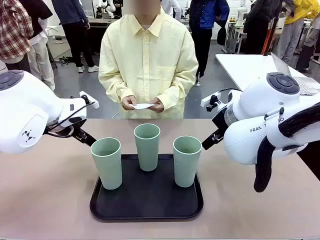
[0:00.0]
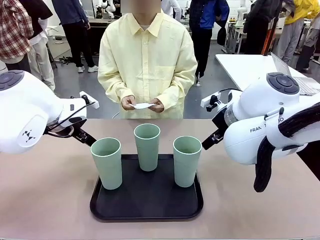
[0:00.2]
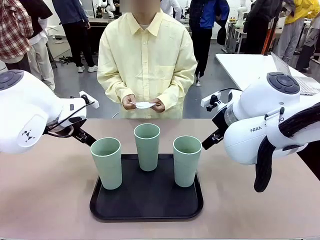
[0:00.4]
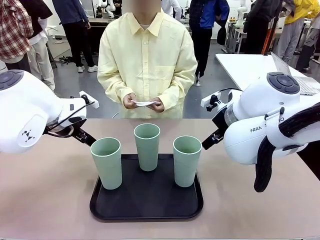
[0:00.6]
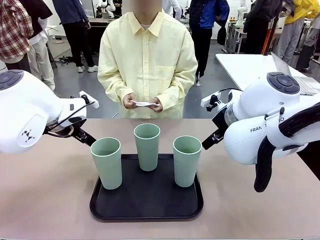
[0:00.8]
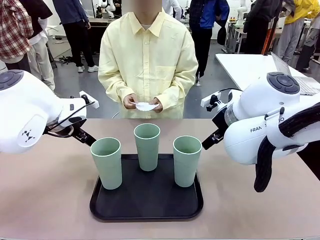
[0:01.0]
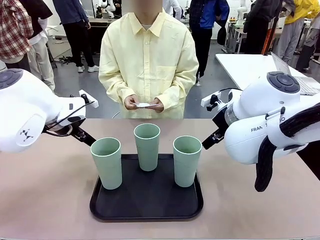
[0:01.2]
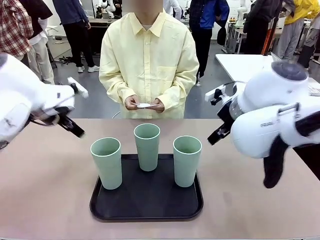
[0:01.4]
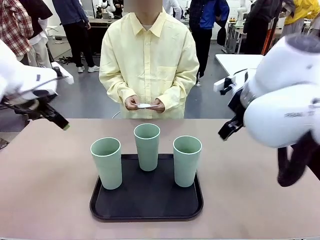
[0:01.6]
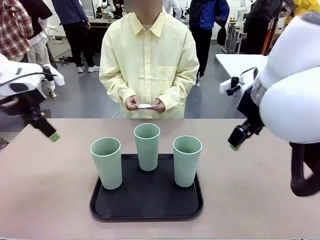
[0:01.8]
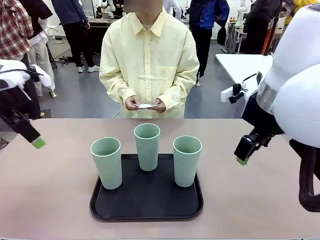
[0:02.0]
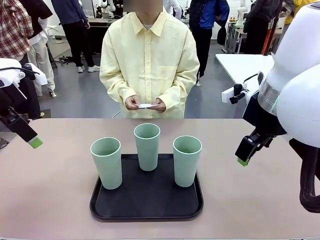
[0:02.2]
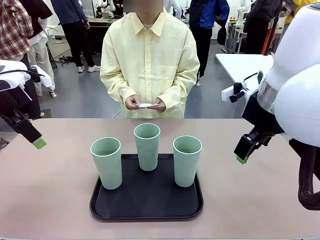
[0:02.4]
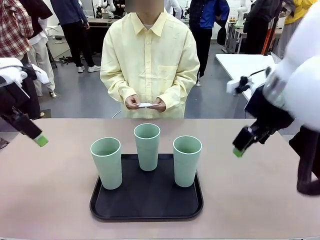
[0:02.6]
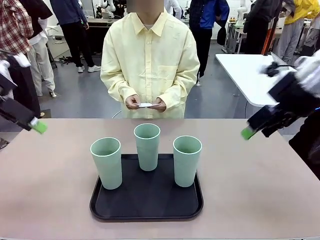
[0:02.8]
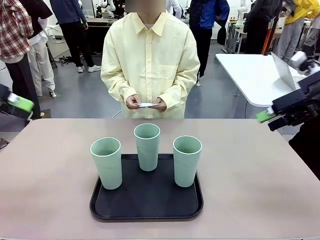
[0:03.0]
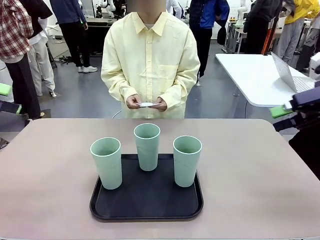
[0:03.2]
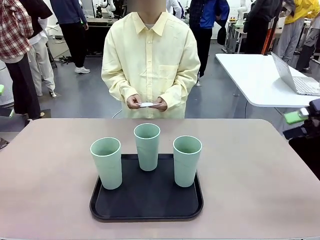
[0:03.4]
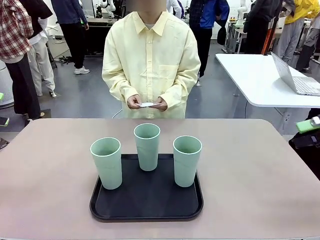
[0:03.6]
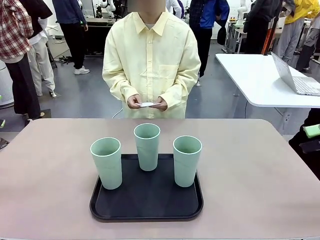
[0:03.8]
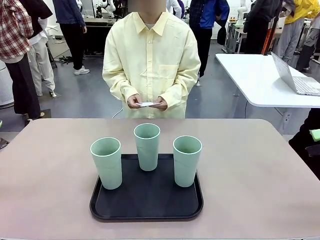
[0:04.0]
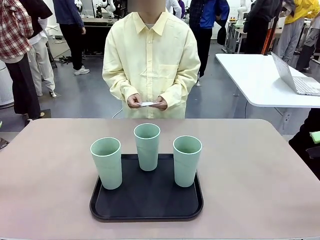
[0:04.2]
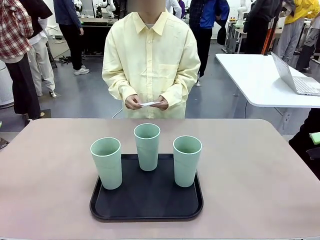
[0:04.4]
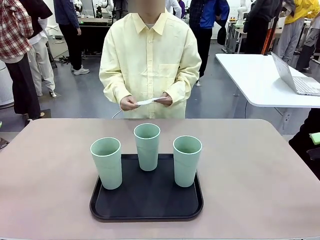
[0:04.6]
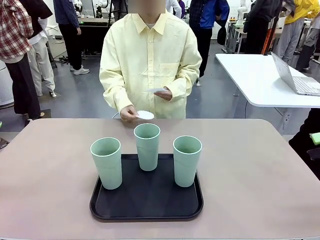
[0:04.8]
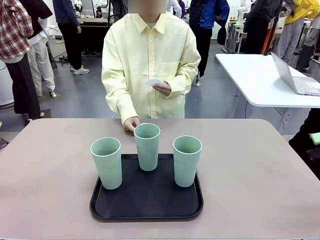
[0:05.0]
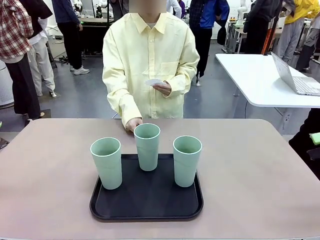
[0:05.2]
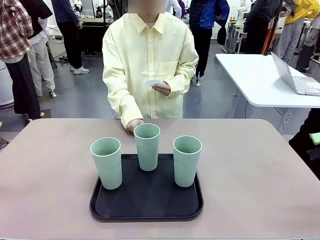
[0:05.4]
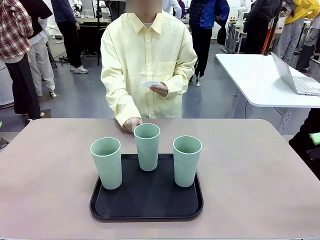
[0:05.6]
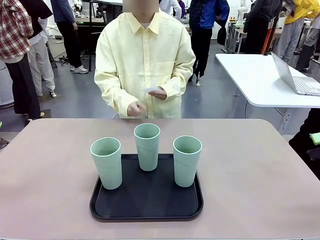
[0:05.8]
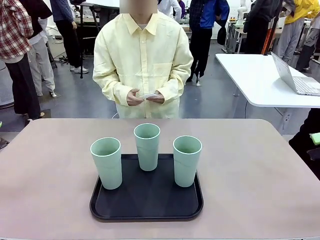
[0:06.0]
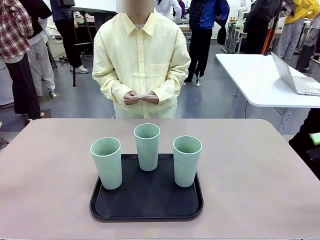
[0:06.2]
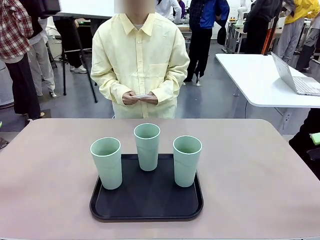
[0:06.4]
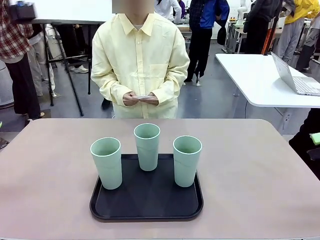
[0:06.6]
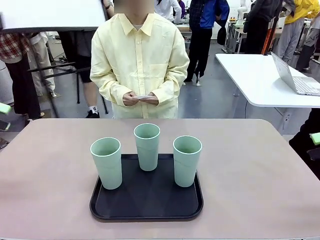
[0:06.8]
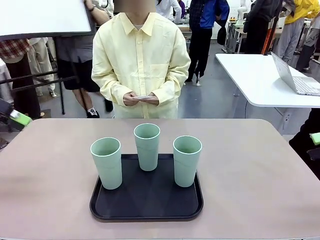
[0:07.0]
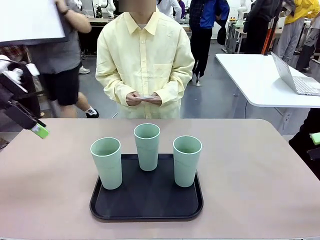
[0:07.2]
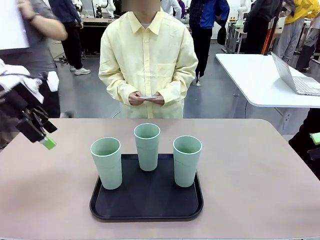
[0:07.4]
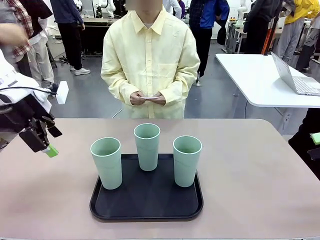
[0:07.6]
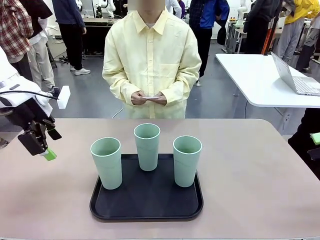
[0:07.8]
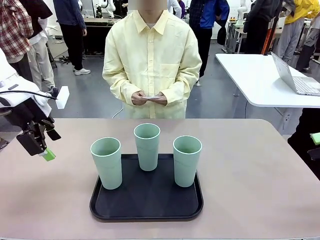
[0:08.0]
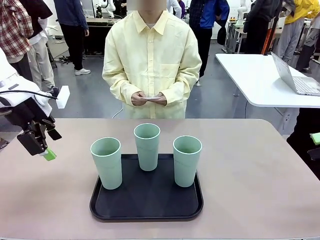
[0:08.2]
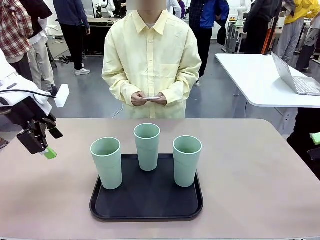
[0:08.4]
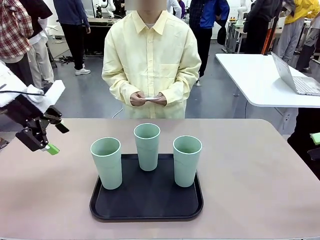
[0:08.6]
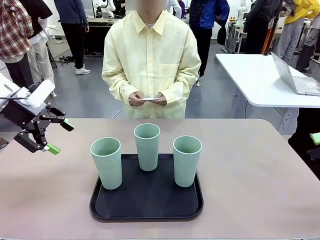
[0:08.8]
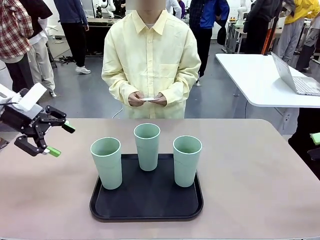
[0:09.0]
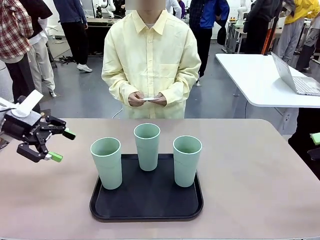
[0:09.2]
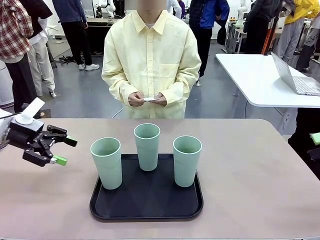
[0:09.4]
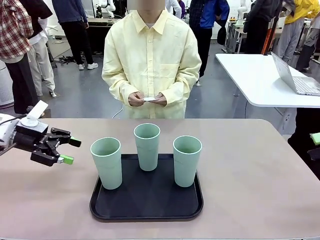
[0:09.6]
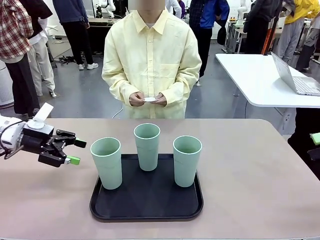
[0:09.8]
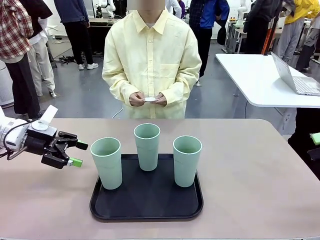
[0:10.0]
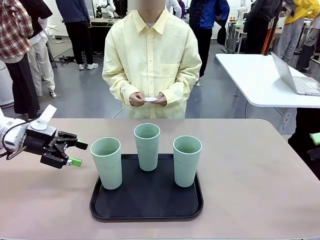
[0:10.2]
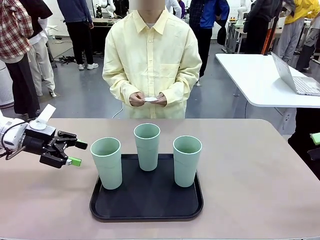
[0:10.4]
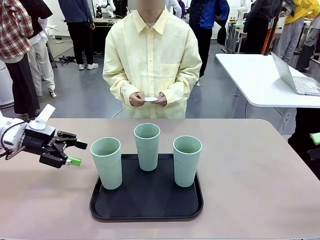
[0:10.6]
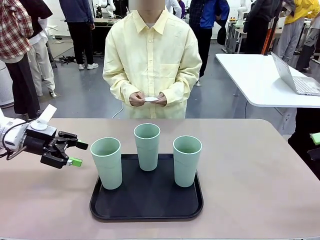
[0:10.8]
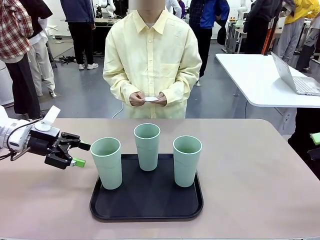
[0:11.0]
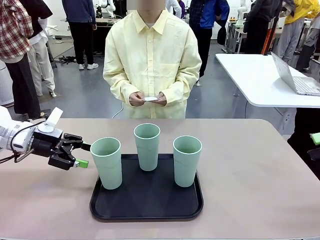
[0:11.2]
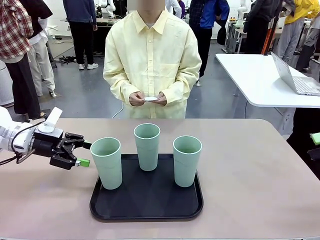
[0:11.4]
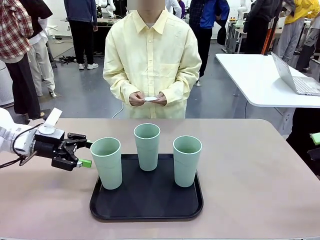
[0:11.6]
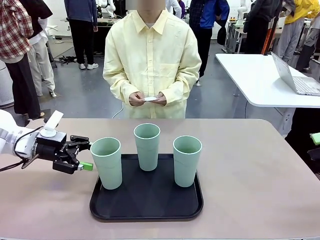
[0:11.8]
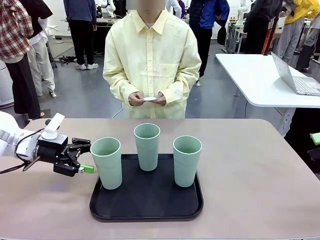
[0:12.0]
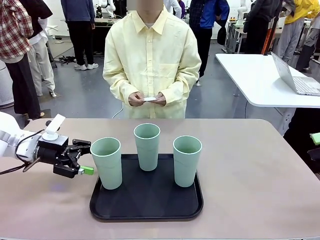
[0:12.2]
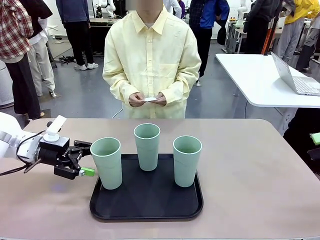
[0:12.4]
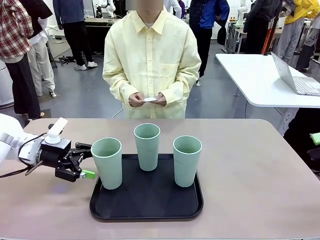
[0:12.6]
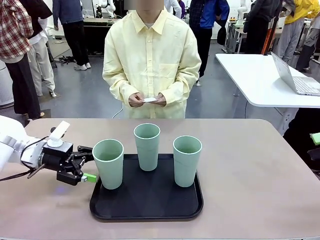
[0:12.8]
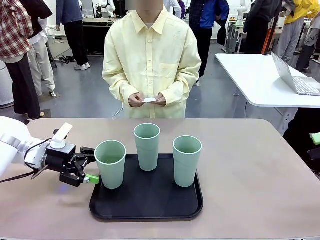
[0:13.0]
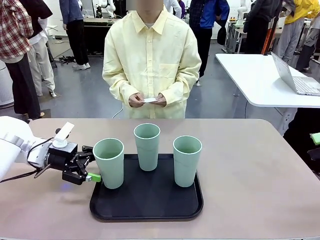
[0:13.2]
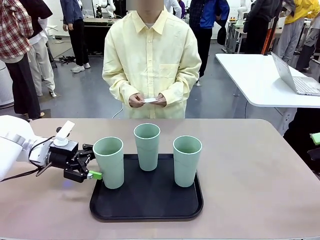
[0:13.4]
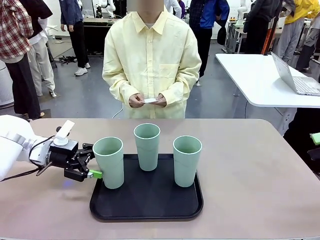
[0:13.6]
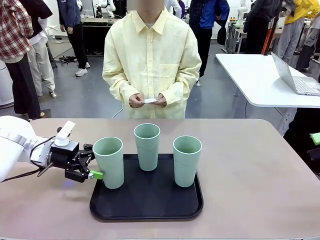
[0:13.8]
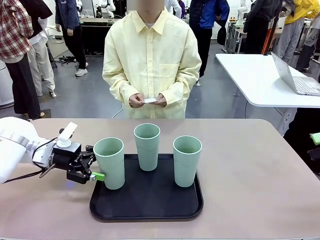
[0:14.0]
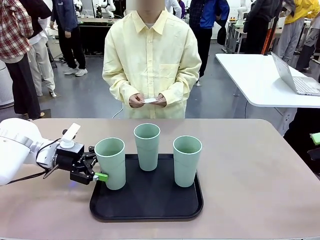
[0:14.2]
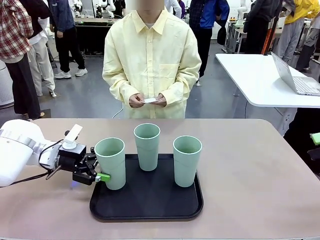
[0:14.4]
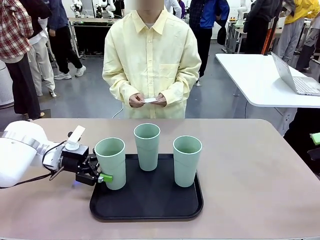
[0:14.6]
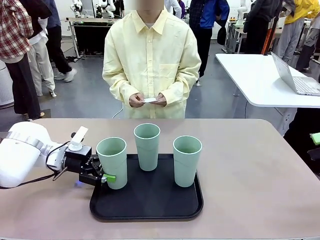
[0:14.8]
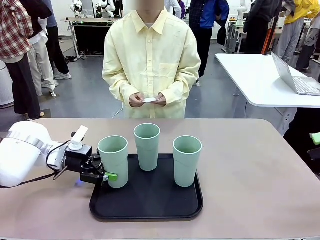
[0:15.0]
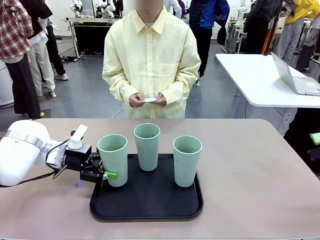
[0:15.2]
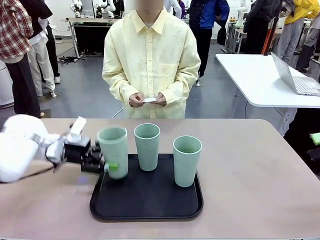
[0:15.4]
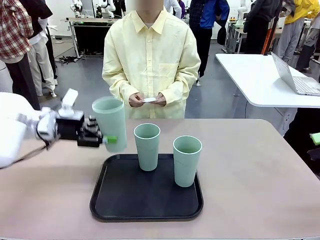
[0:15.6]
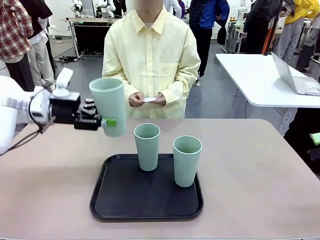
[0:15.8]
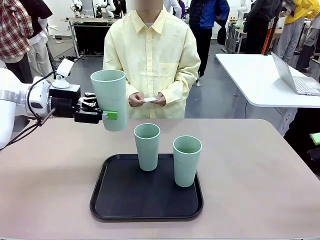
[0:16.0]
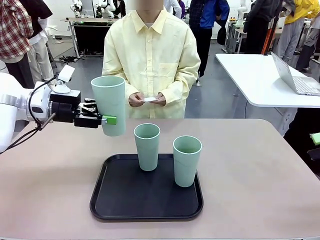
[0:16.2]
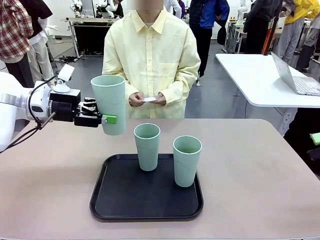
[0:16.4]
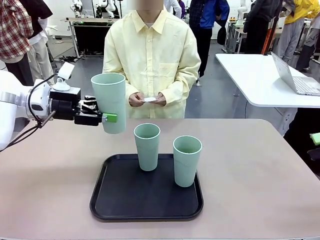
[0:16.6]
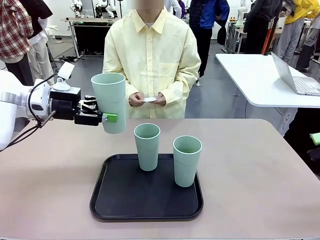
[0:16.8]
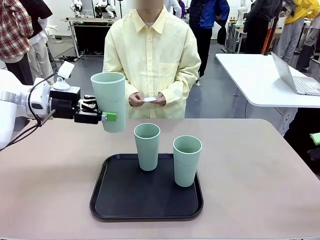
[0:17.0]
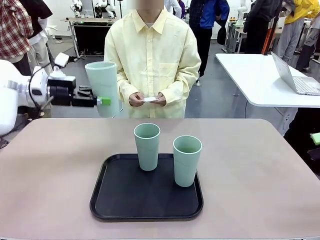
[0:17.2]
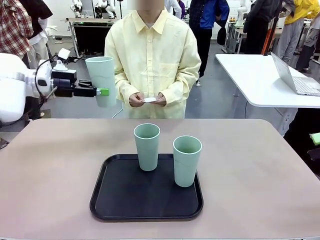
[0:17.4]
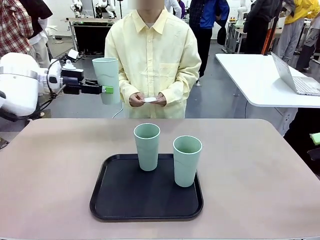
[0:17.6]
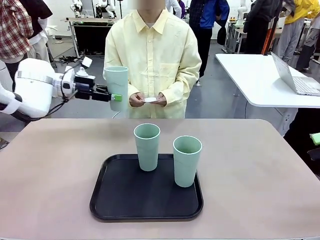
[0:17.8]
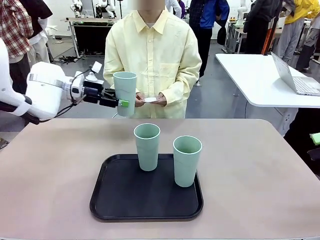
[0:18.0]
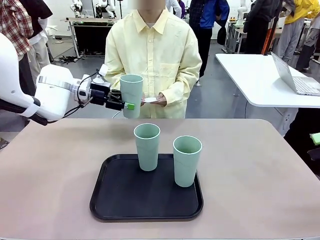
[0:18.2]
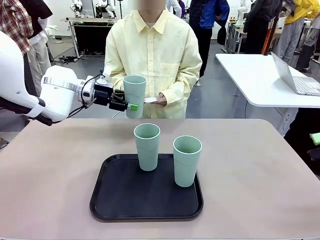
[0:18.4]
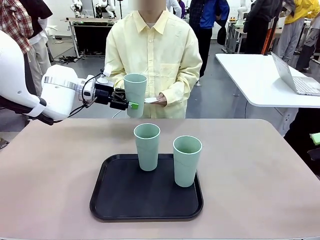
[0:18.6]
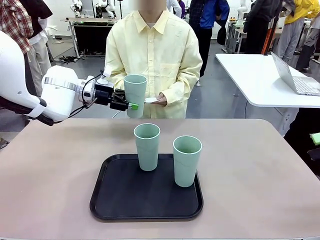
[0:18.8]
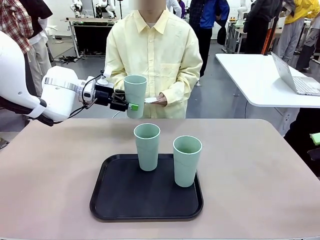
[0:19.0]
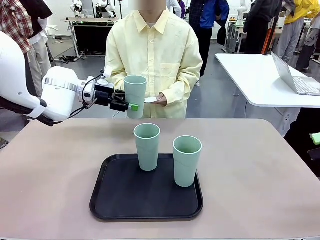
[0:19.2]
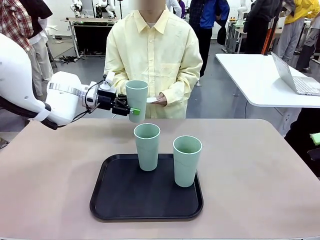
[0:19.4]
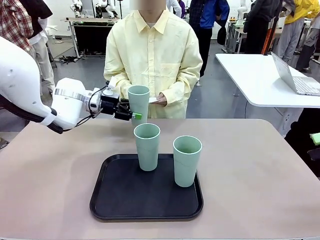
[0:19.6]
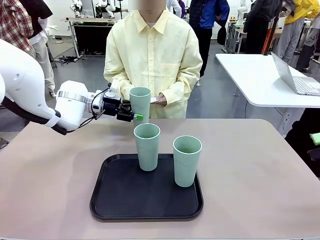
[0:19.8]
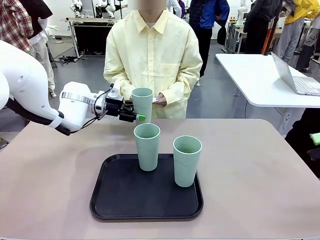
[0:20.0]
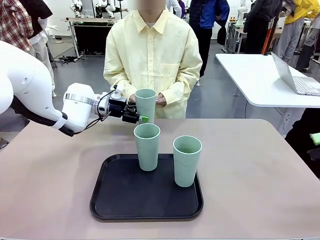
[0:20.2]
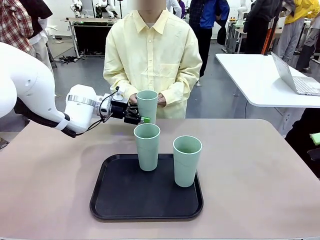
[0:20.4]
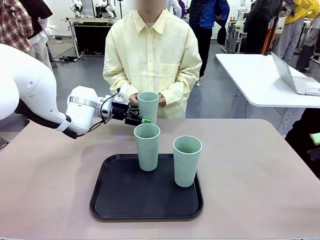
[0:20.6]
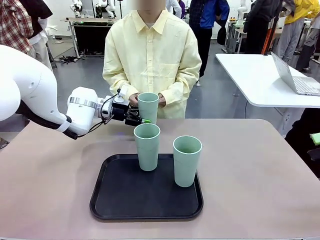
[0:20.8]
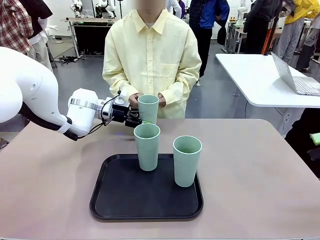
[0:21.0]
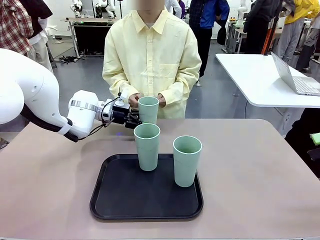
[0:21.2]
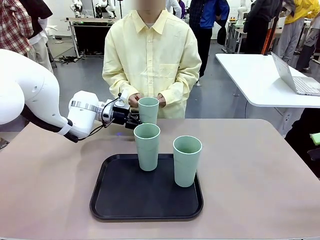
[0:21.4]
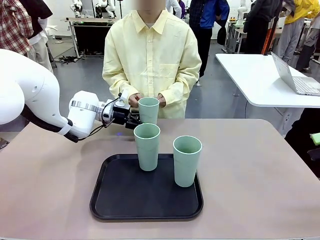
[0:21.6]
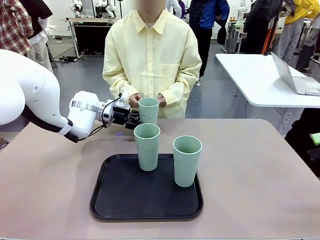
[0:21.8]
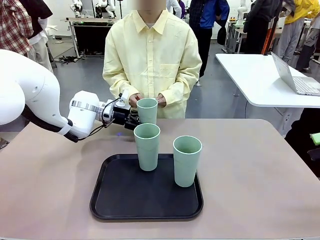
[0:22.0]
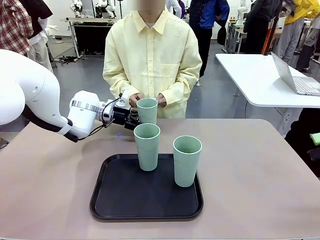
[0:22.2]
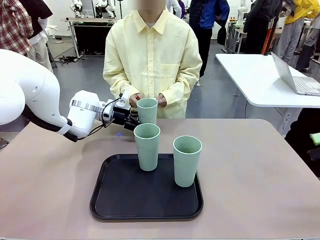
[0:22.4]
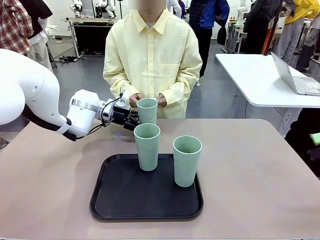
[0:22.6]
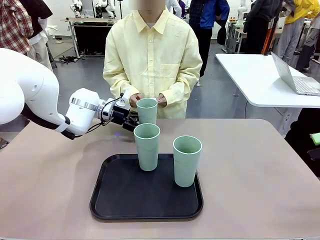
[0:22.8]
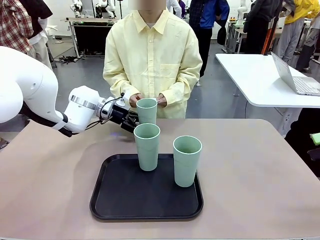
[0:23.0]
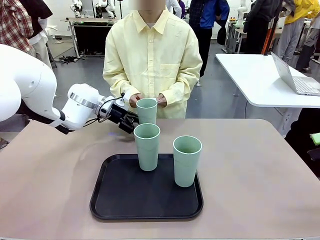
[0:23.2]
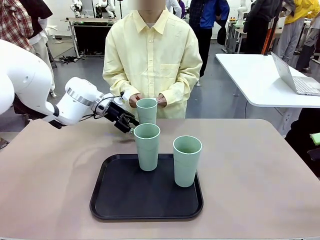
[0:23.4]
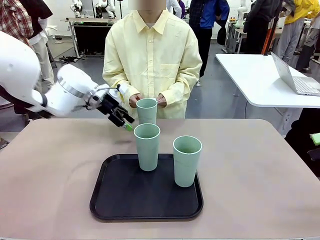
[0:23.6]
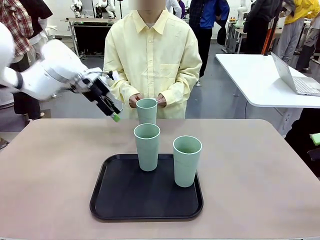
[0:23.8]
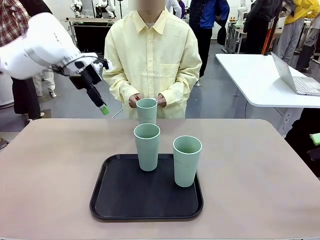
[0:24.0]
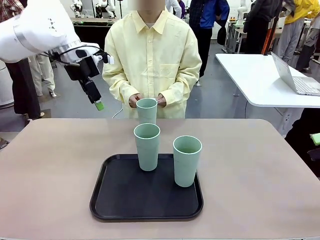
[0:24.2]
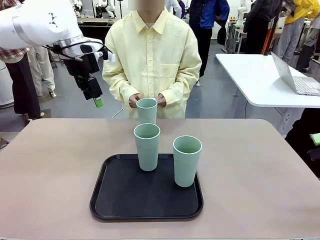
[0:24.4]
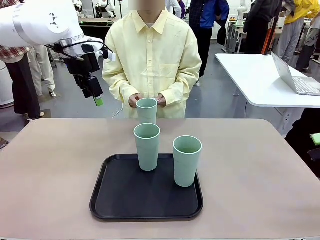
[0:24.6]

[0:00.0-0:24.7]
Task: Place coasters on the table and set cups on them.
Robot: Pick up one Reusable plastic cup and place it on a coaster set by the human.
Person: Place one coaster in any one of the three lower areas of the robot table (left, center, or right). Place one coaster in one of the two areas excluding the previously selected area.
